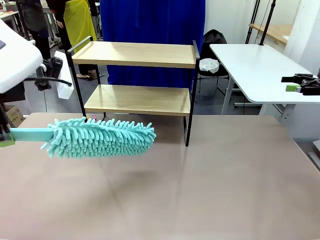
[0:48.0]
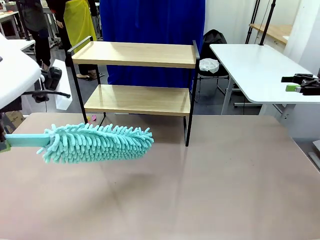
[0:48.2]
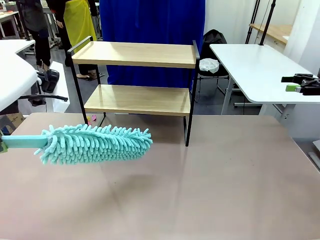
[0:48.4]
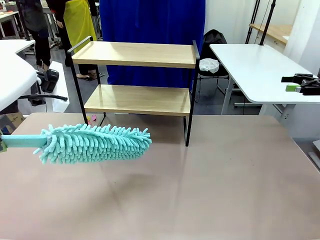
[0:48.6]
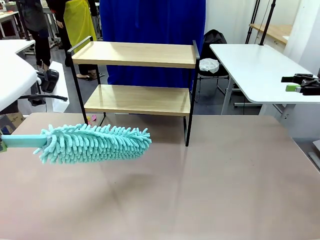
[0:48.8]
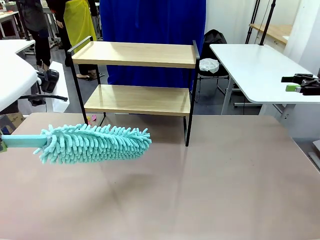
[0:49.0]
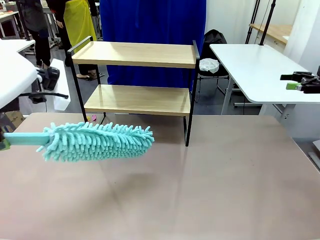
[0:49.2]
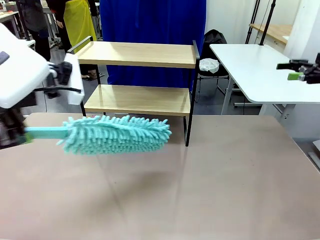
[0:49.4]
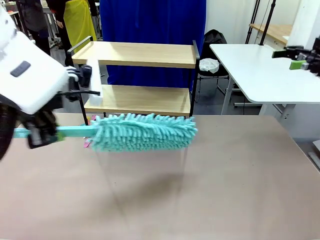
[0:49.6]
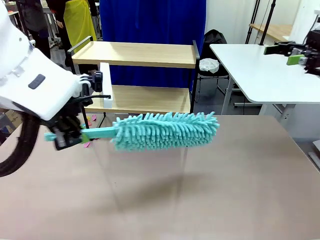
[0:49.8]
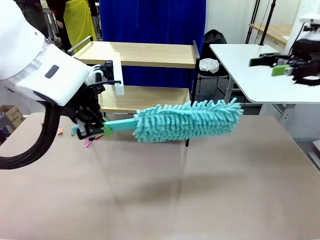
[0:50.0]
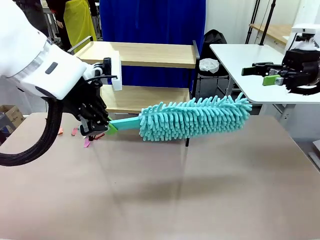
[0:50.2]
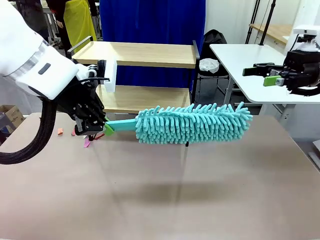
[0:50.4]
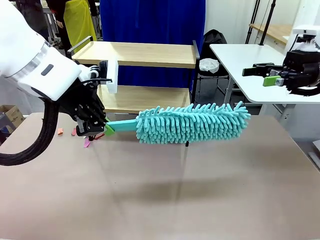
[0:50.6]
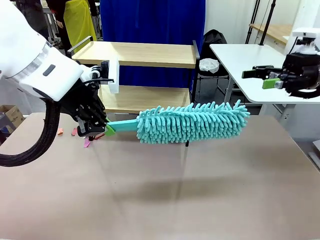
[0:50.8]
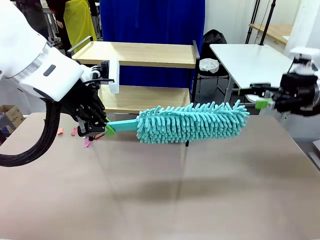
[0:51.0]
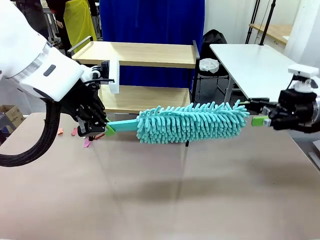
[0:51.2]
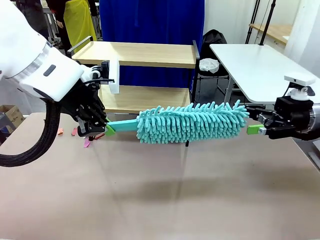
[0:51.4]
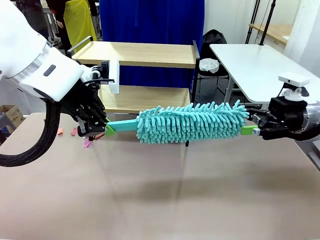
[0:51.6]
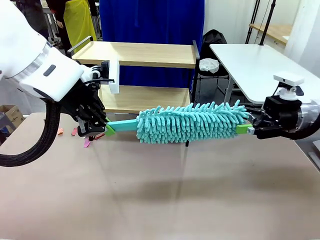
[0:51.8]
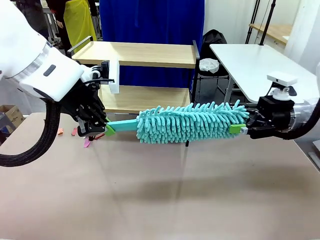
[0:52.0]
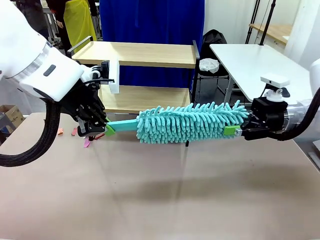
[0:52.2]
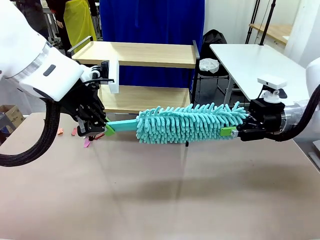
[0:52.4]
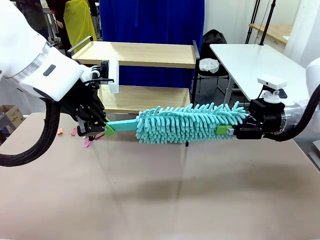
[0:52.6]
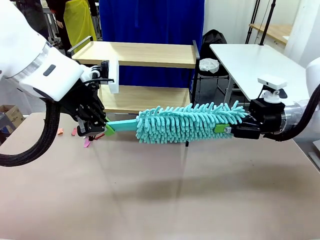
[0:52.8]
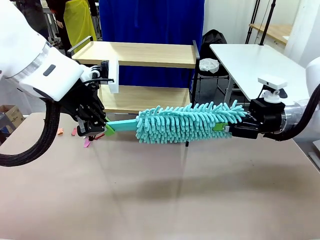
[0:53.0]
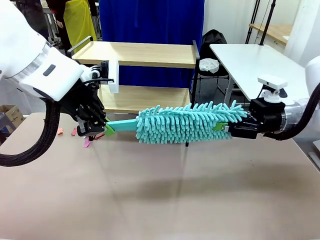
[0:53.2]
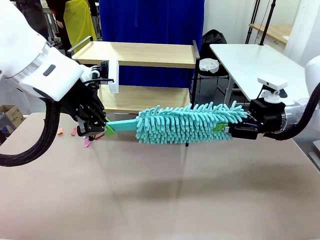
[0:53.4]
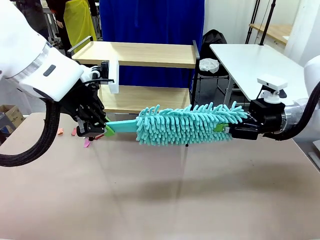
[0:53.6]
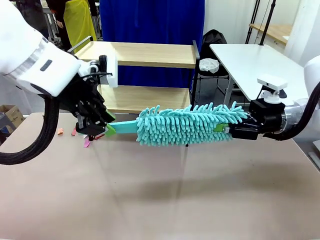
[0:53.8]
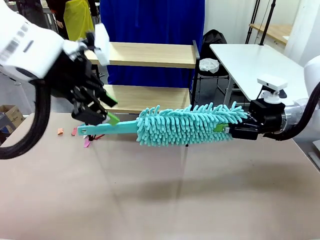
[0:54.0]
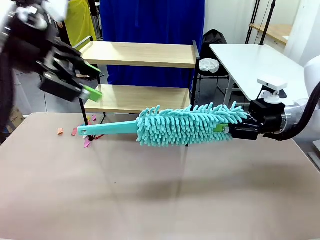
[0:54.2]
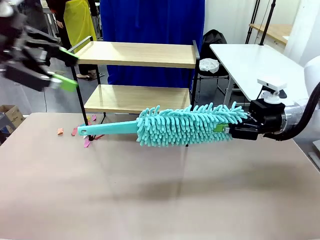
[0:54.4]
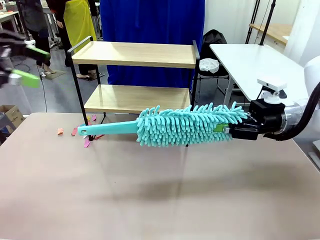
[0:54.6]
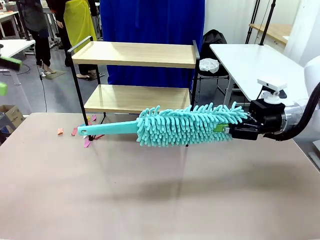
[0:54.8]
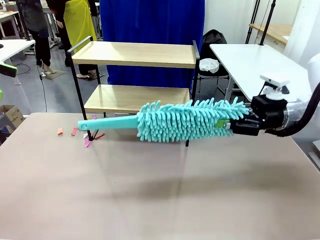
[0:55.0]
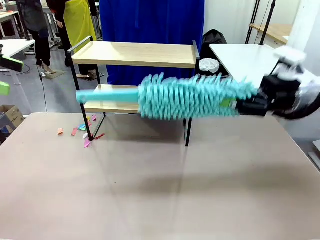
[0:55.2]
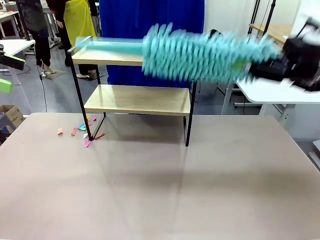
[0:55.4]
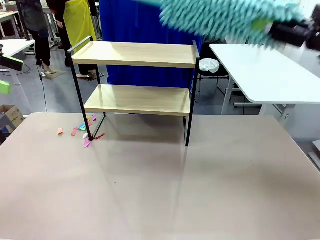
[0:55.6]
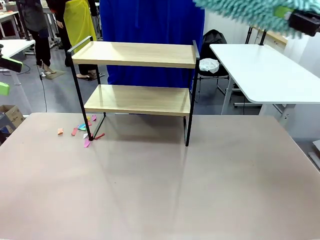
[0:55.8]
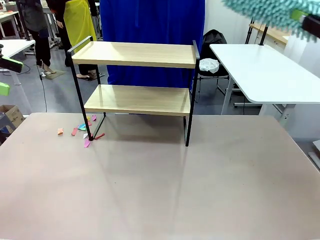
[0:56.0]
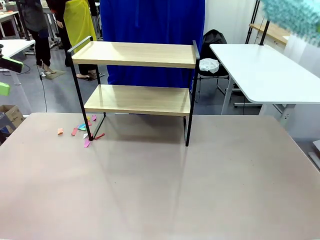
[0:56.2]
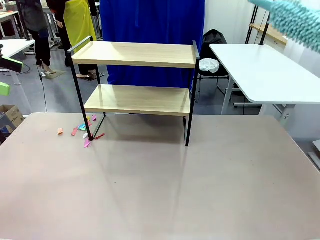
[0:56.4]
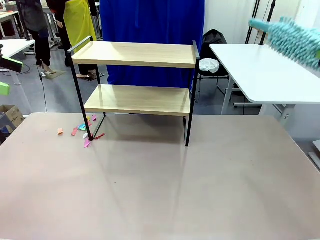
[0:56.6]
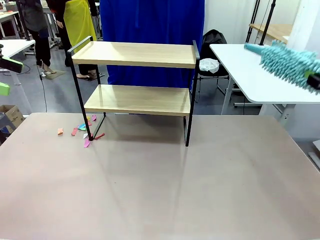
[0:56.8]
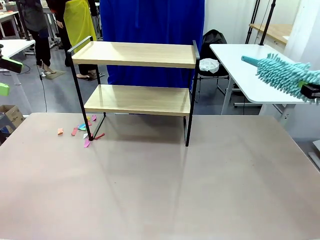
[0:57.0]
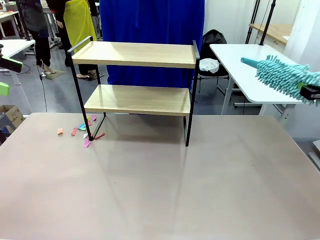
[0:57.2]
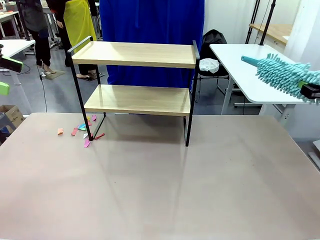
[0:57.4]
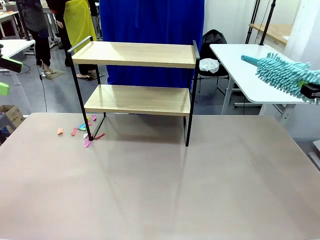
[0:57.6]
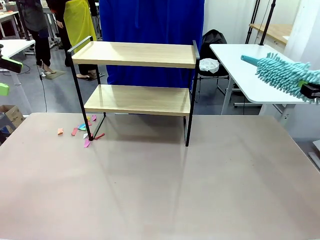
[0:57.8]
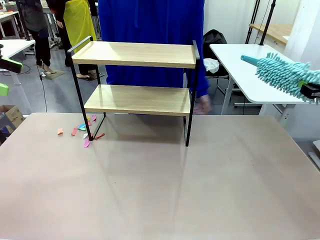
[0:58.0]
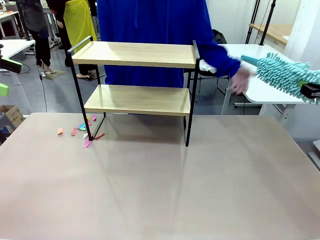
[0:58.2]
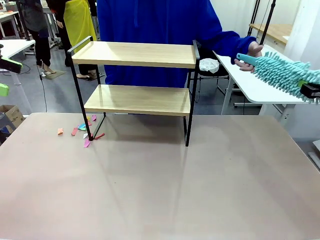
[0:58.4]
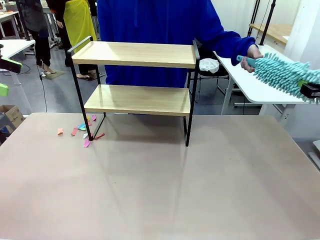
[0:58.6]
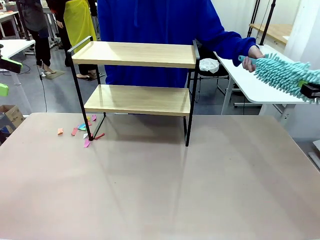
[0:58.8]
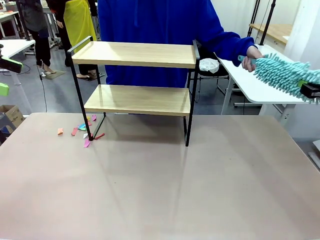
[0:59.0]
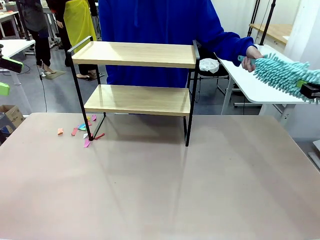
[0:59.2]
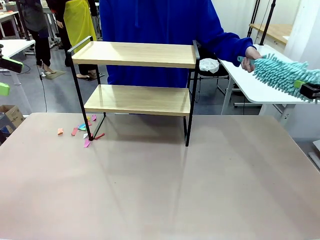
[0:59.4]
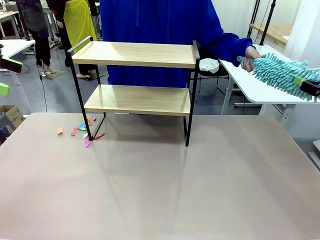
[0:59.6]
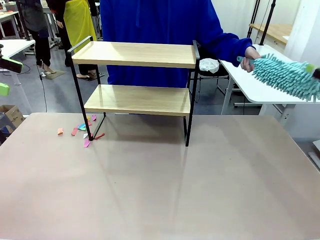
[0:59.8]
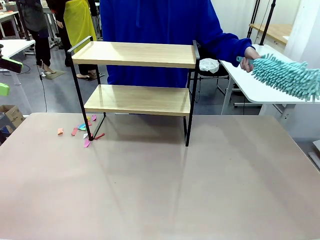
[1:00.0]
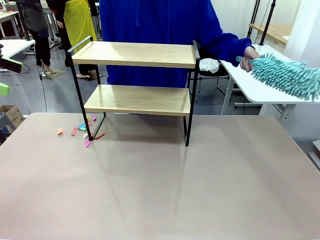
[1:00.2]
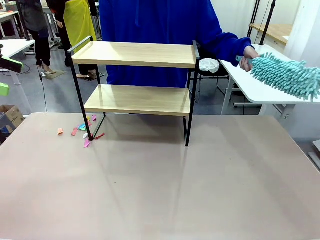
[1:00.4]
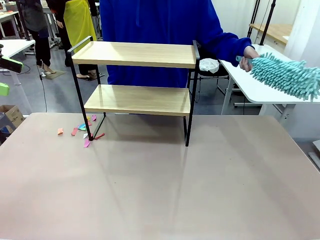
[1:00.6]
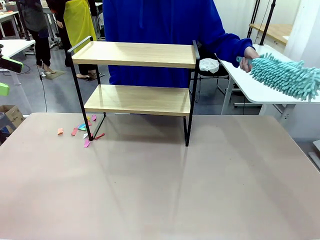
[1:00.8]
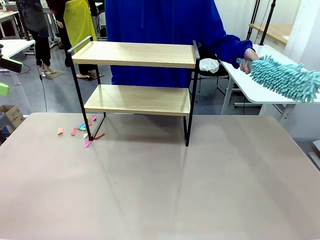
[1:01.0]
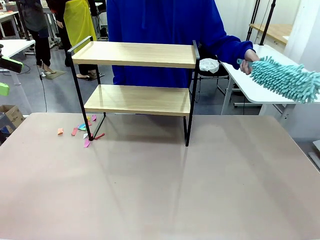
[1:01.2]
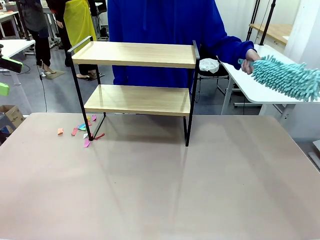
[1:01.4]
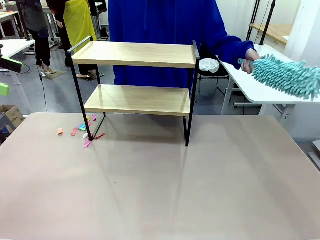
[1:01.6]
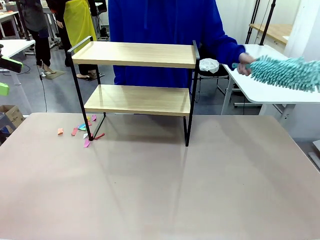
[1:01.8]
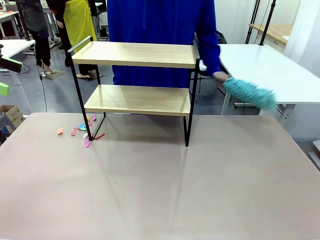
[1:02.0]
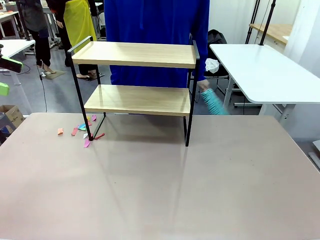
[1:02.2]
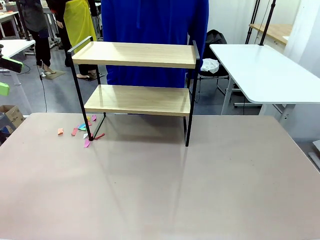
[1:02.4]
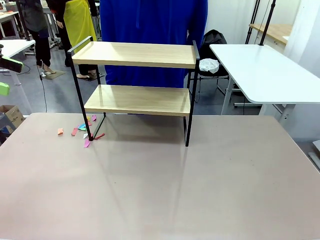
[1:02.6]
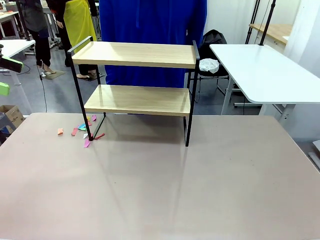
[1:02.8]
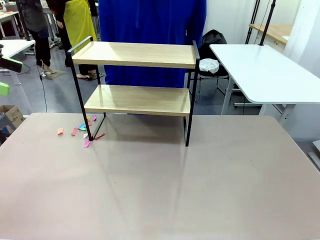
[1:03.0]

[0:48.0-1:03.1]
Task: Clean the shelf.
Robot: Hand the Duster back to the human.
Person: Receive the Duster from the robot.
